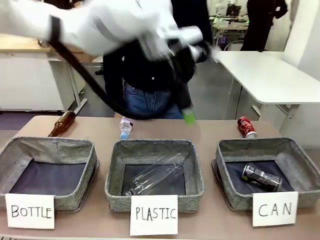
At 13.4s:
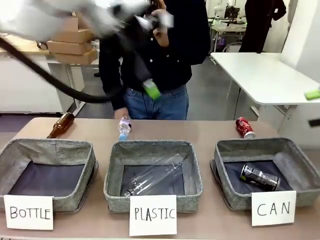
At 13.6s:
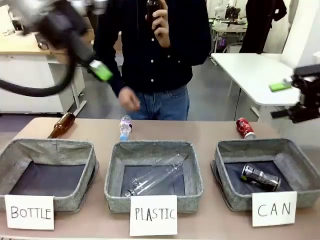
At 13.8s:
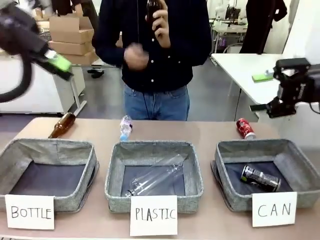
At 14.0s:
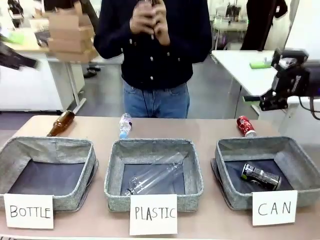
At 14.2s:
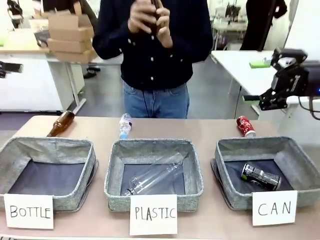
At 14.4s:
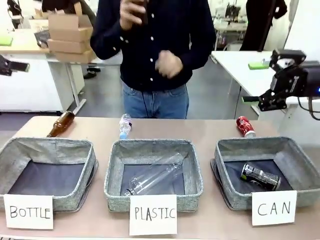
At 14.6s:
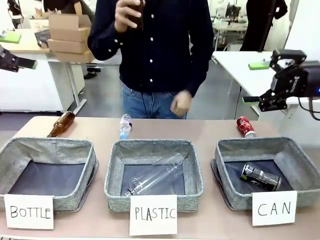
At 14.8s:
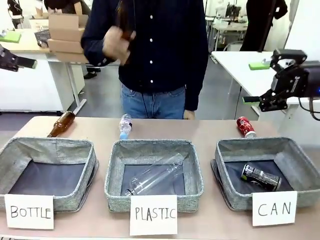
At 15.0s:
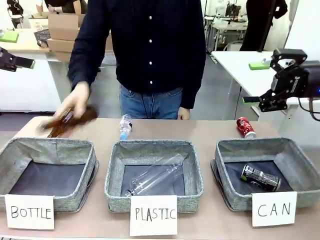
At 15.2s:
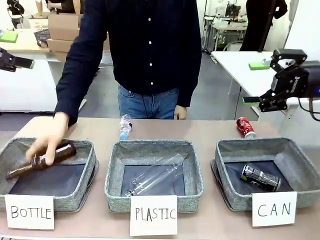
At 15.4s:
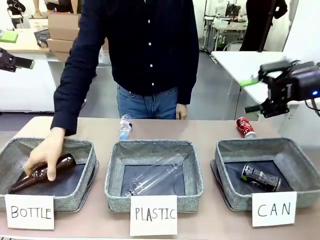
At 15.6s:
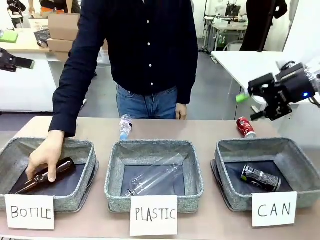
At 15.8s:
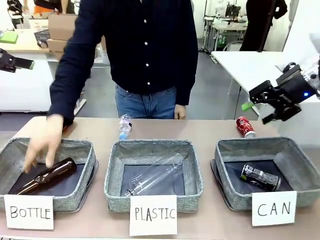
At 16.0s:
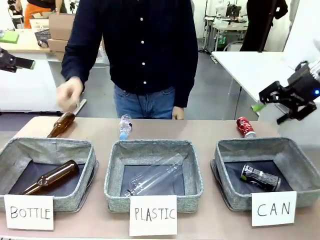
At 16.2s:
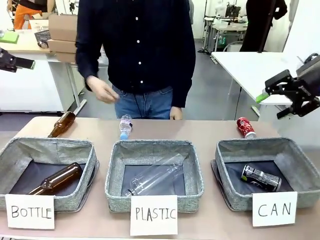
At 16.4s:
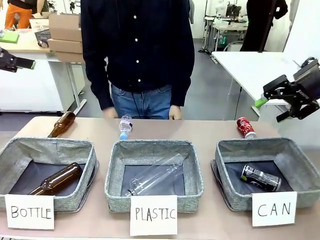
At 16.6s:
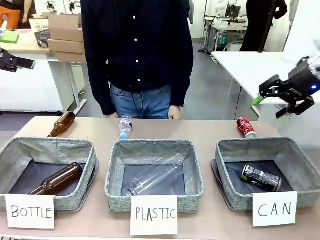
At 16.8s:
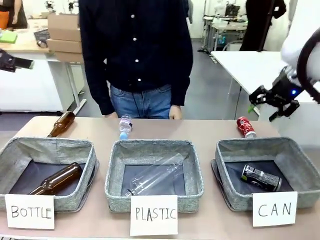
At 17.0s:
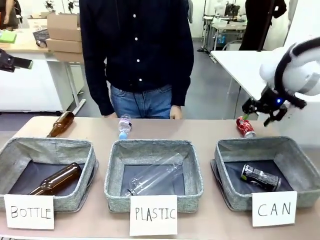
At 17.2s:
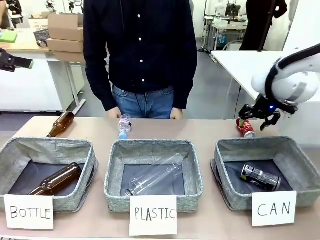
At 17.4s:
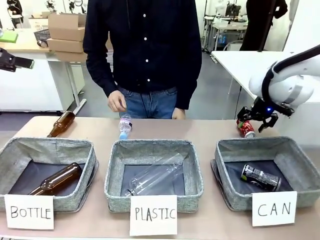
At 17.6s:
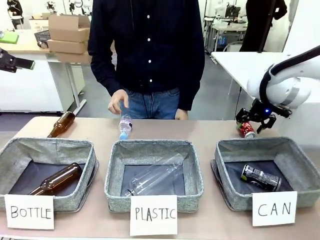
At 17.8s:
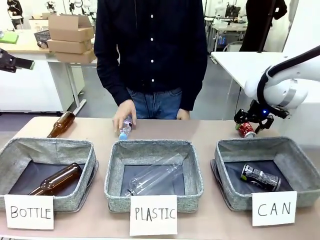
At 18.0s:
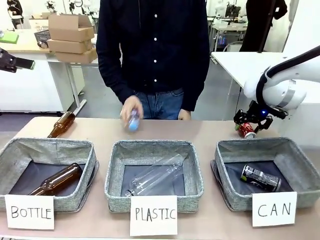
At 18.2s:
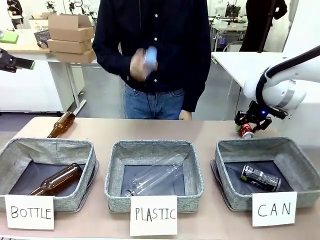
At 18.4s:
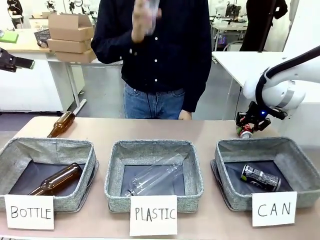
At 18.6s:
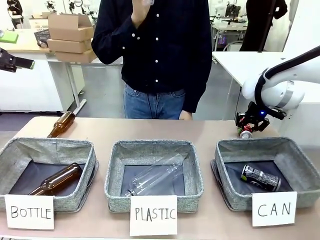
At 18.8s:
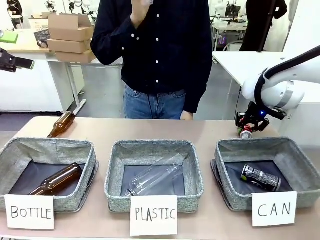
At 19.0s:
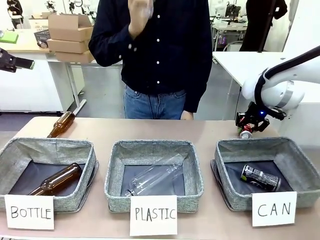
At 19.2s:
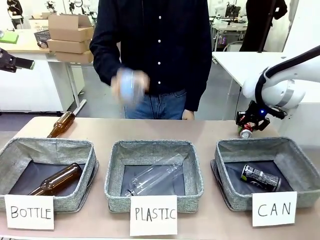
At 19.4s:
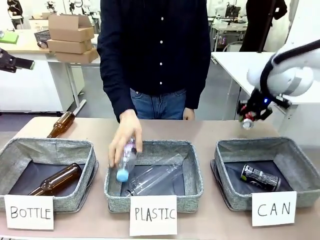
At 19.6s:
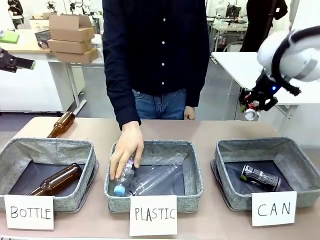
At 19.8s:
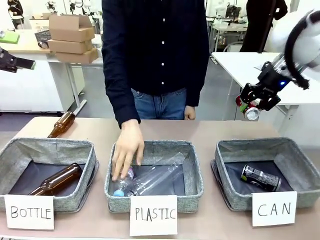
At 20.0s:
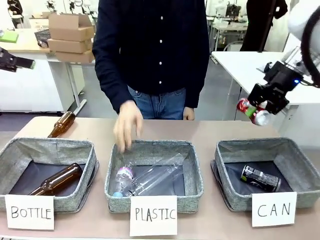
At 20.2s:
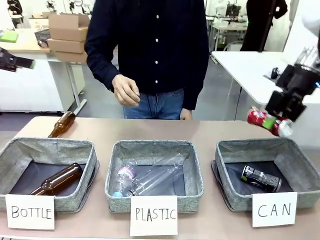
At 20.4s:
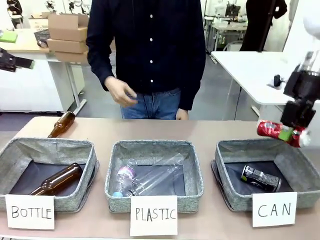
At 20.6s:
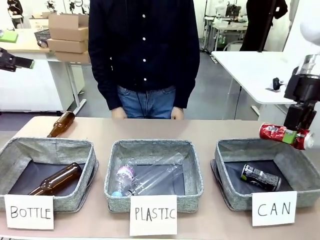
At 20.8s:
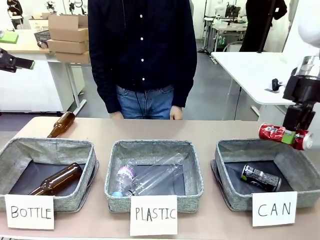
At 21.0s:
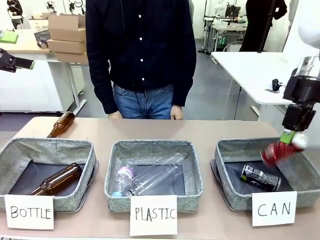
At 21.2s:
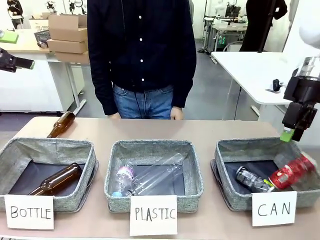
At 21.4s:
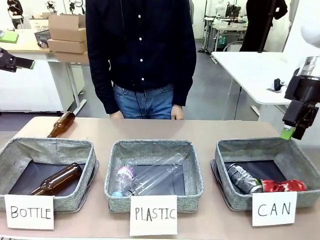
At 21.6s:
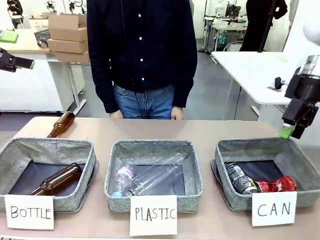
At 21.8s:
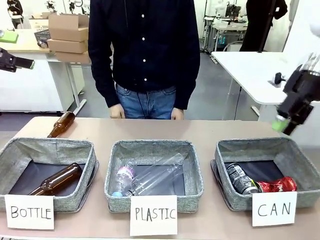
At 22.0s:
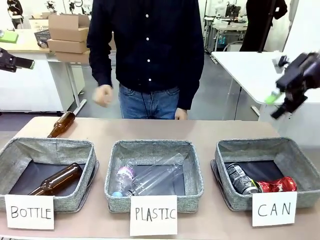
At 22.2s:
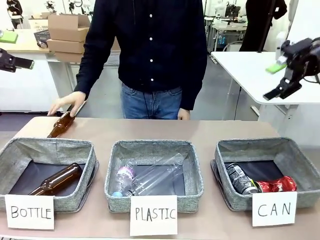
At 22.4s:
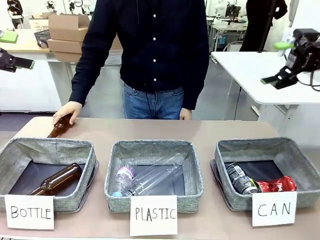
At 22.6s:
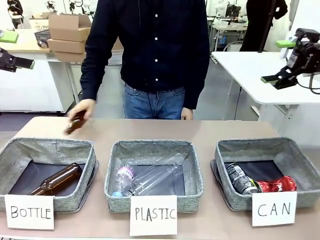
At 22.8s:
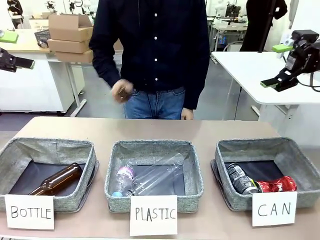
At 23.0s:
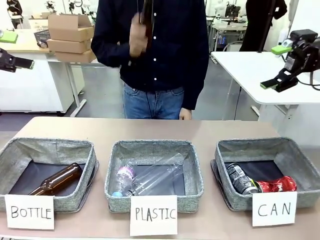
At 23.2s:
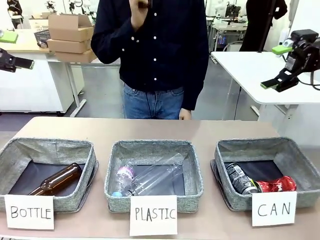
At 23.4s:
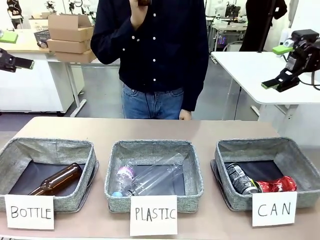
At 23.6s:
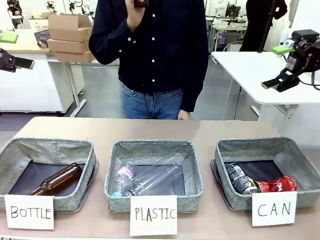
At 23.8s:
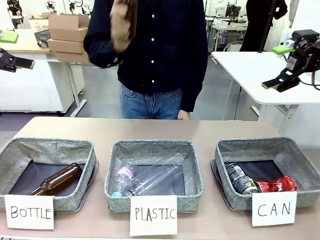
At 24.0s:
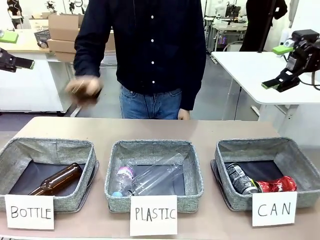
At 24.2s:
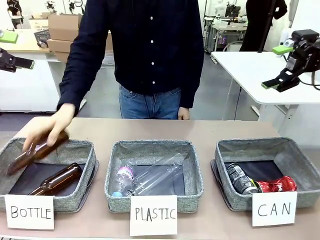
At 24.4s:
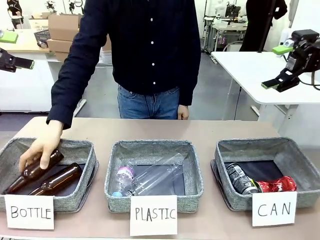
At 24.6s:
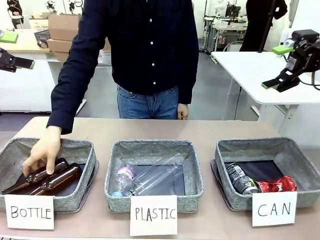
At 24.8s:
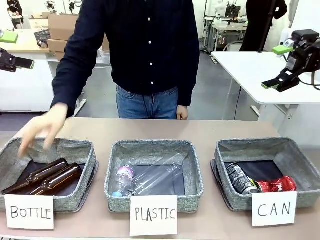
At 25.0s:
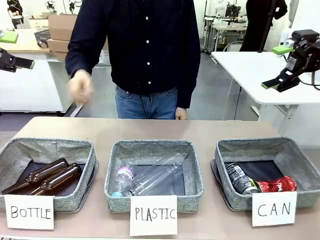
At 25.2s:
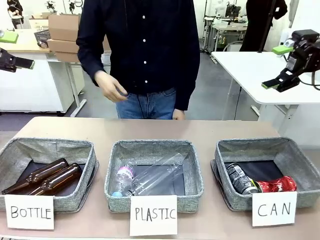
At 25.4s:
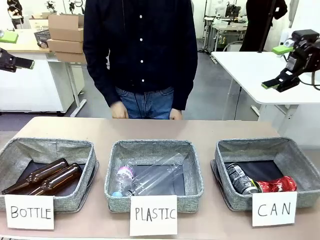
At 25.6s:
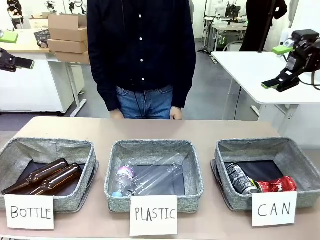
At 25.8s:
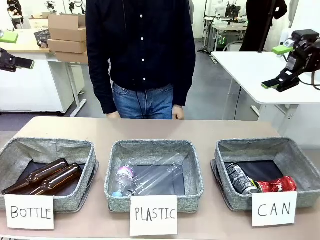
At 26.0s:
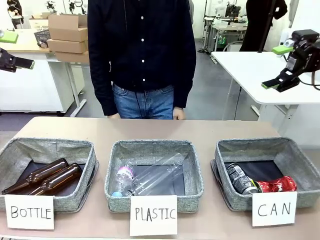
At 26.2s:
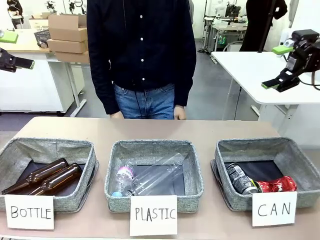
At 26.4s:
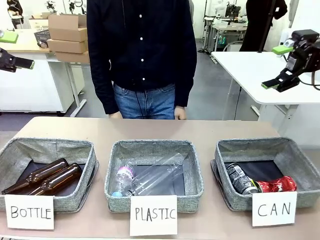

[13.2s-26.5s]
Task: Sort the can waste into the basket.
Robot: Pick up the can waste from the table and place it in the right Fabric basket.
Person: The human picks up one piece of trash that is not a can and places the trash into the appropriate organizing basket.
